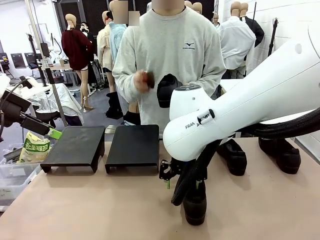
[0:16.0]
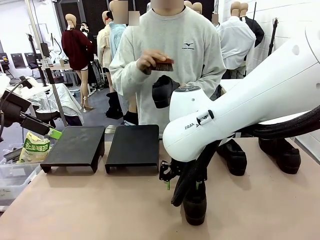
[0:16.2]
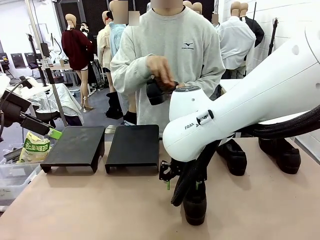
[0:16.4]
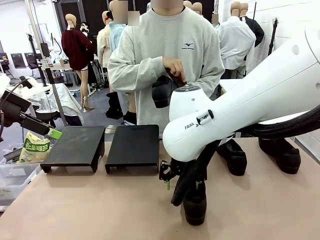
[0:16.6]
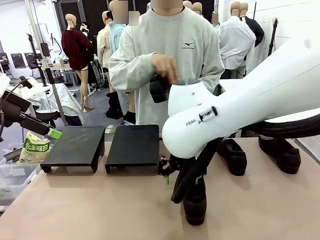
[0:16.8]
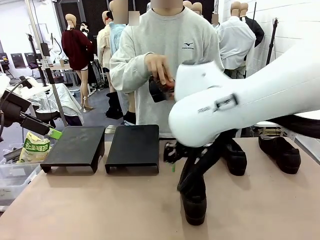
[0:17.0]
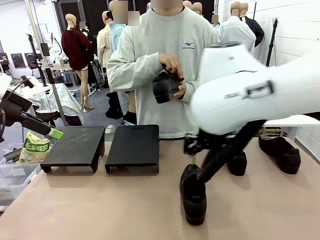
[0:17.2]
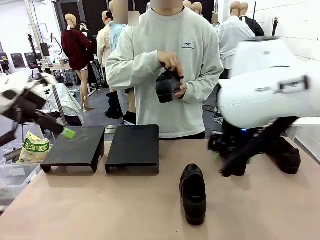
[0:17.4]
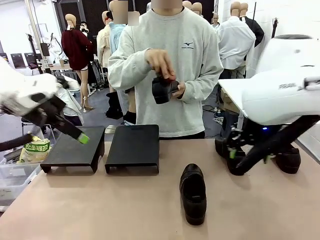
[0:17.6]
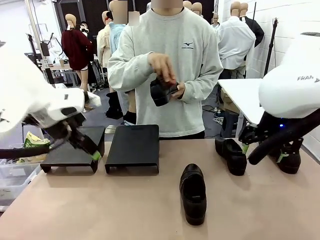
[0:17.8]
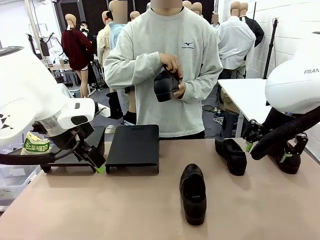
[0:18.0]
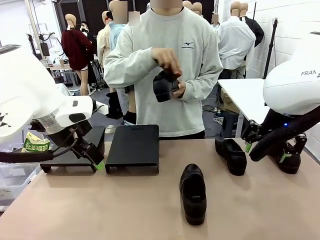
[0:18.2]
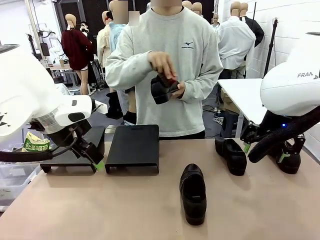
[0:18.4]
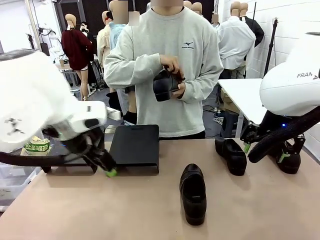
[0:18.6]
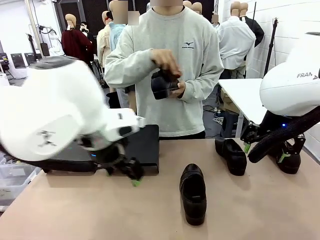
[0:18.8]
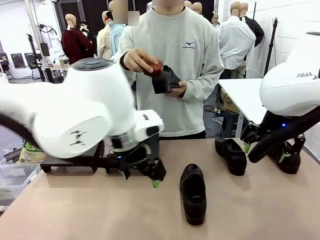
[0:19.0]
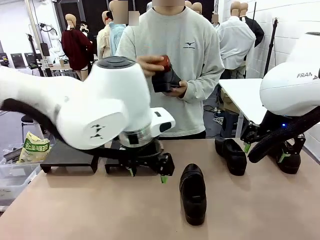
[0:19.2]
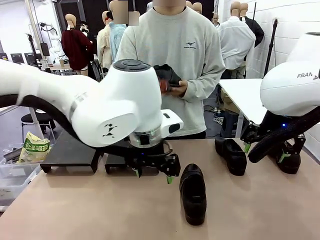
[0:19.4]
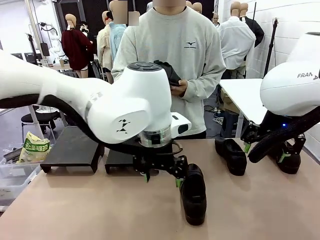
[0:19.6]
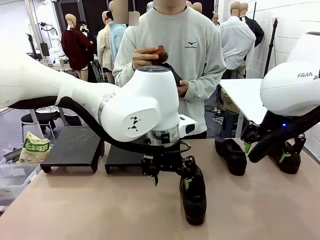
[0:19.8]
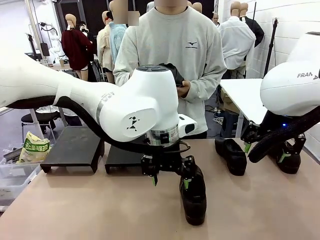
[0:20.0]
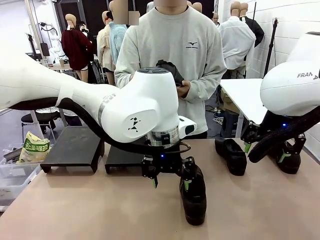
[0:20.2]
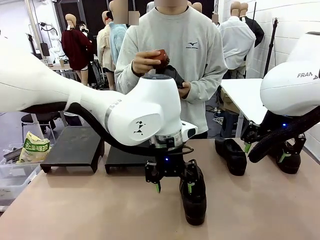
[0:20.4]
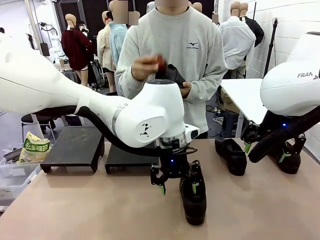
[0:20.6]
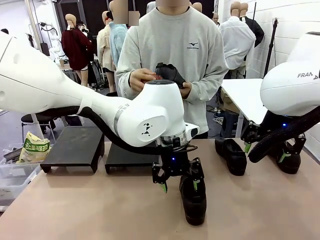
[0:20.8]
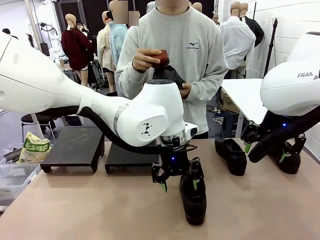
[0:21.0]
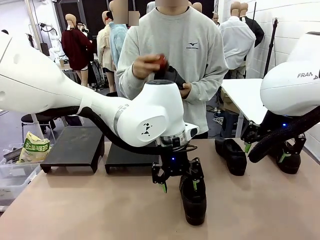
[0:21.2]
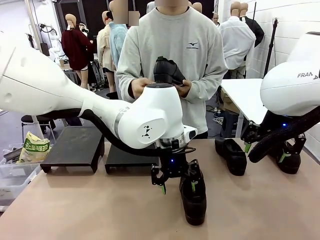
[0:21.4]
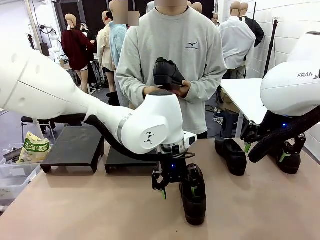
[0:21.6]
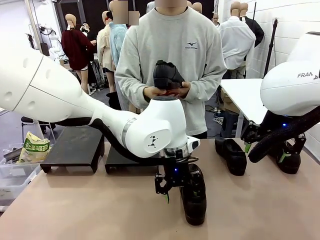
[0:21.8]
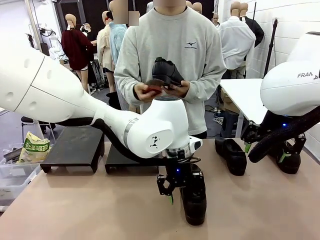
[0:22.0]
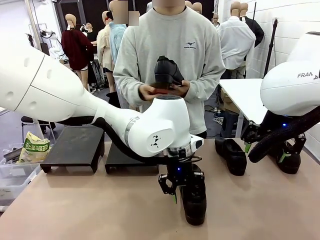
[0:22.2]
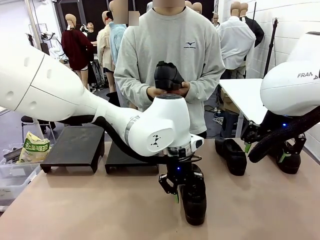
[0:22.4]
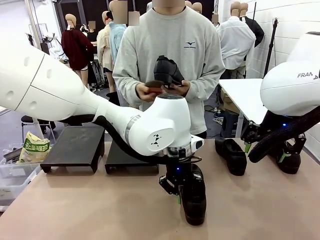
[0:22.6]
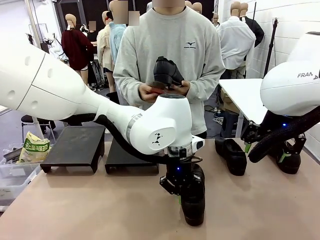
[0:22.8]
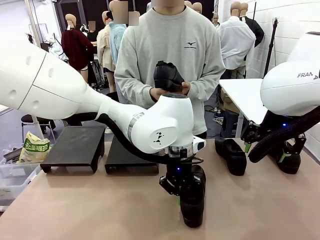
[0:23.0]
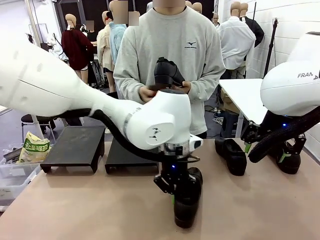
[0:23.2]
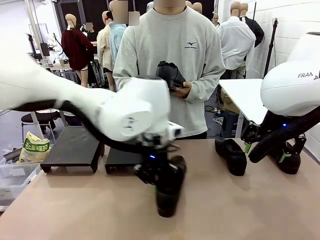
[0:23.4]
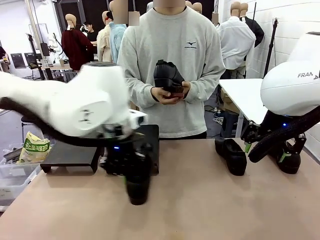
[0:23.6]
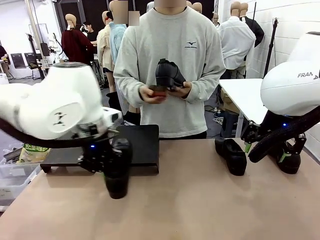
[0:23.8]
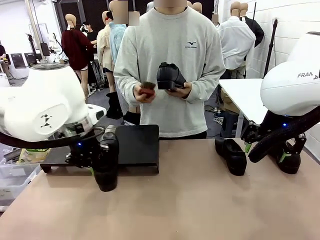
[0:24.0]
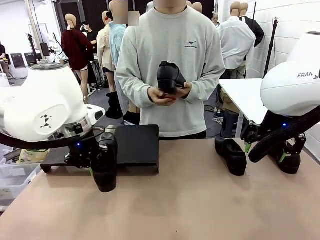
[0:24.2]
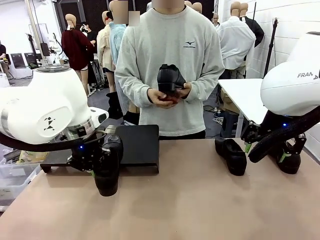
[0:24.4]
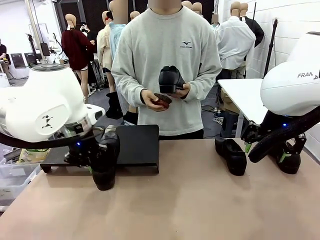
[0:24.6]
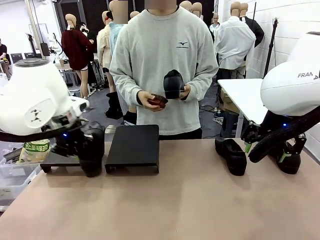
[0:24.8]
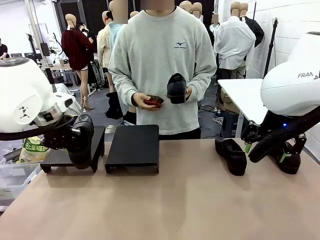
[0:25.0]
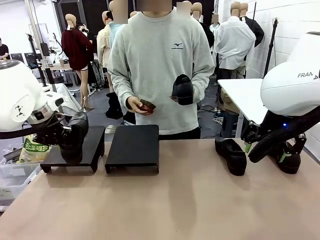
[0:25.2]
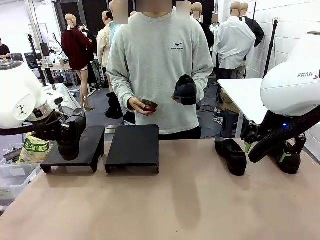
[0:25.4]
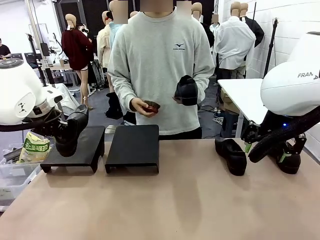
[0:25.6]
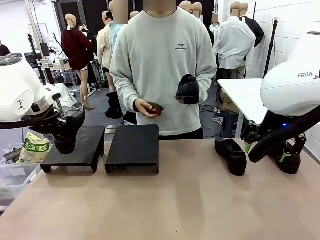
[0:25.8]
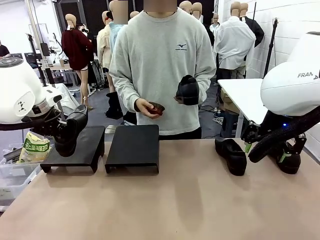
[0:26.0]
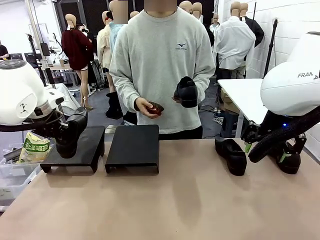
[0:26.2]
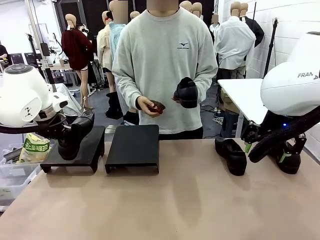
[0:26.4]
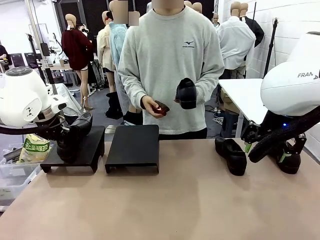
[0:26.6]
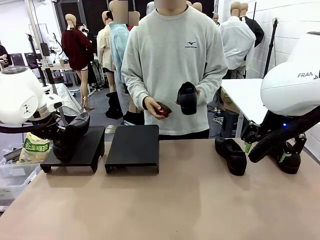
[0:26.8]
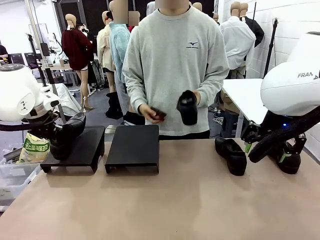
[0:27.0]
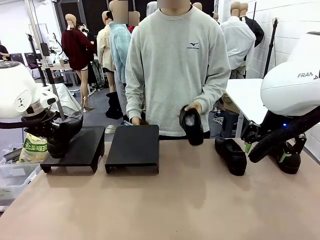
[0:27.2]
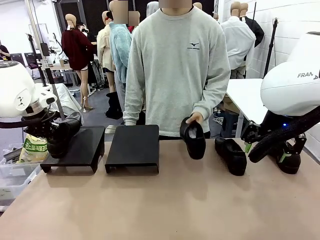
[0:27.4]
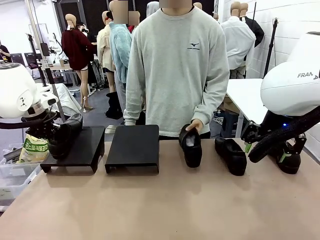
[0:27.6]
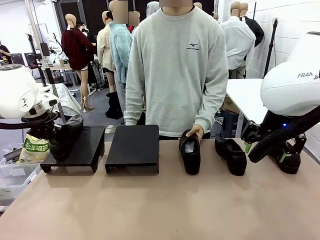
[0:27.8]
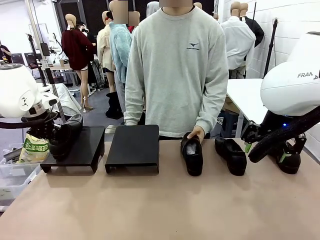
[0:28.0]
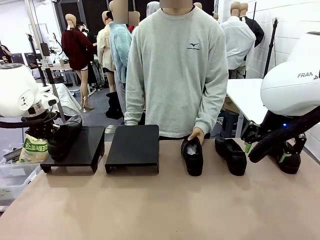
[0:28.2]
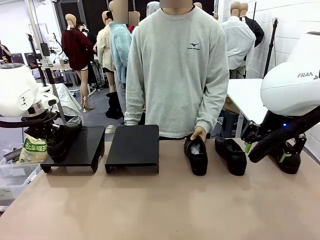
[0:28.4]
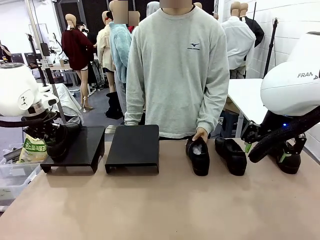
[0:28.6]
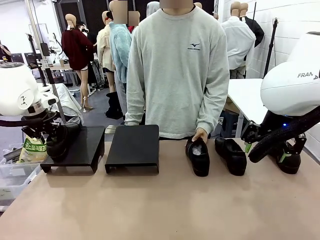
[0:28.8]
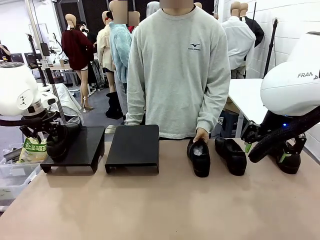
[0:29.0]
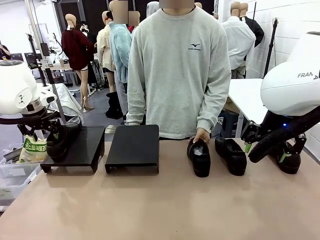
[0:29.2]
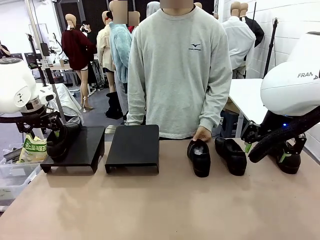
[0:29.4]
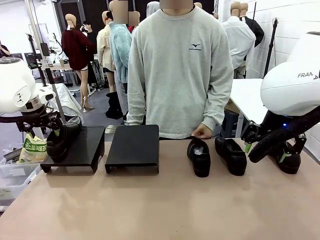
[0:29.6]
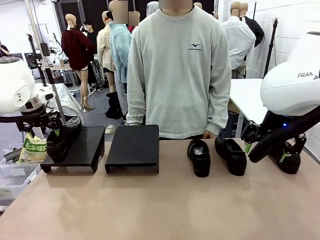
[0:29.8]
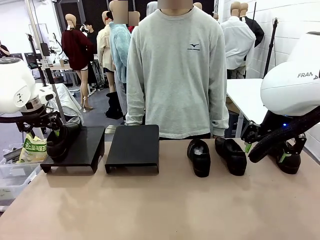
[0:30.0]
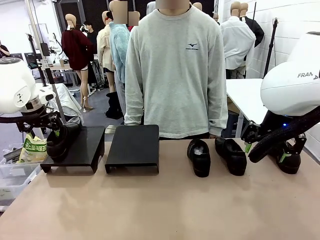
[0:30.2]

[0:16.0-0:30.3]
Task: Organize the shoes by placing them on the stand.
Robot: Place the Shoe from the middle of the table onto the Shoes Stand.
Person: Clean the Shoe with the Shoe Brush. Place the Shoe on left side of the Robot's table.
